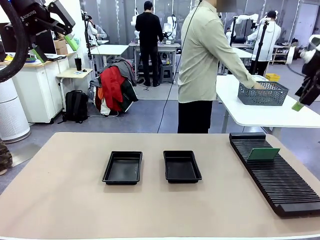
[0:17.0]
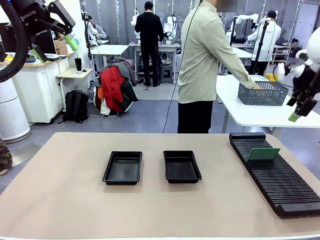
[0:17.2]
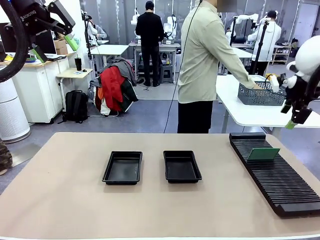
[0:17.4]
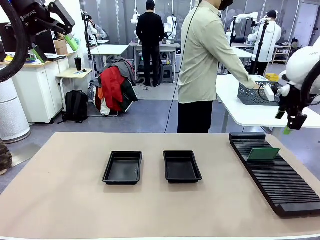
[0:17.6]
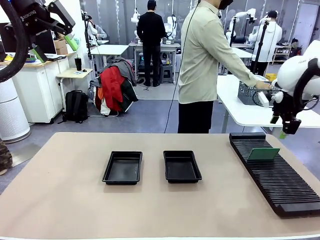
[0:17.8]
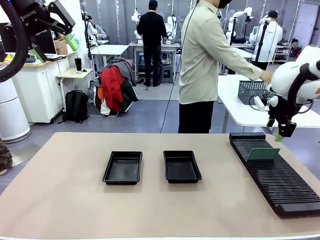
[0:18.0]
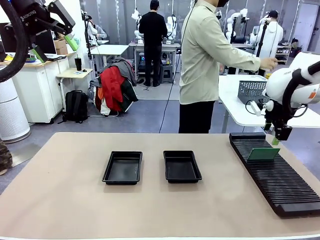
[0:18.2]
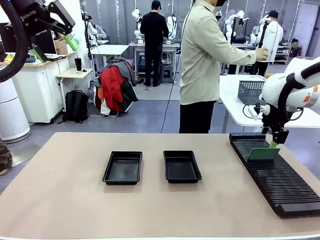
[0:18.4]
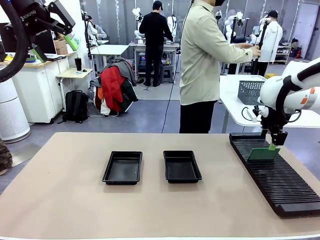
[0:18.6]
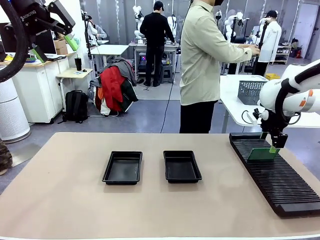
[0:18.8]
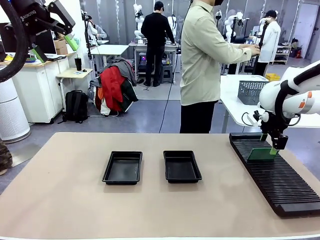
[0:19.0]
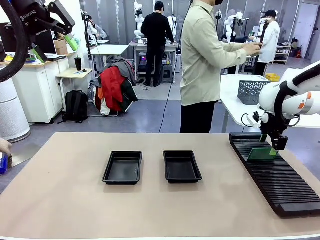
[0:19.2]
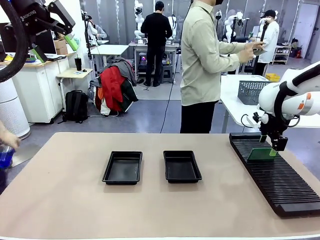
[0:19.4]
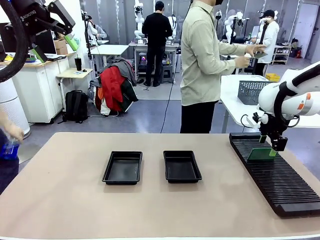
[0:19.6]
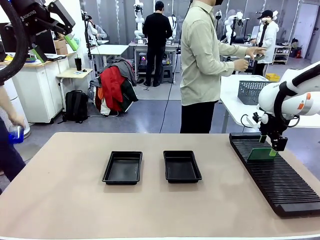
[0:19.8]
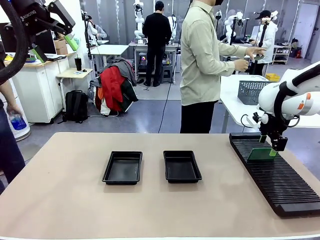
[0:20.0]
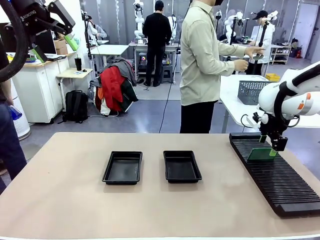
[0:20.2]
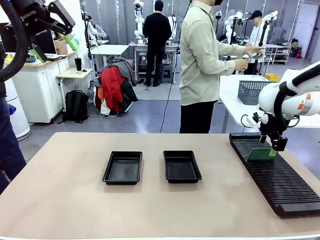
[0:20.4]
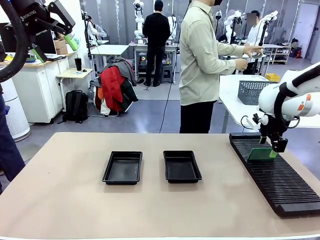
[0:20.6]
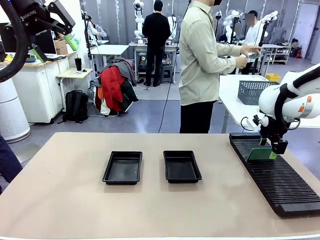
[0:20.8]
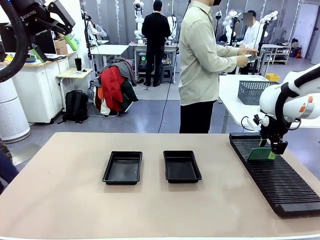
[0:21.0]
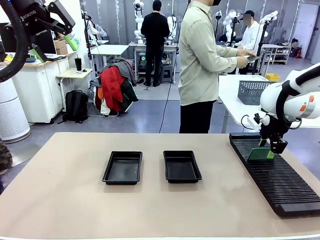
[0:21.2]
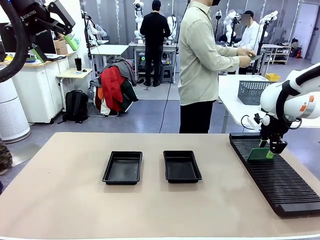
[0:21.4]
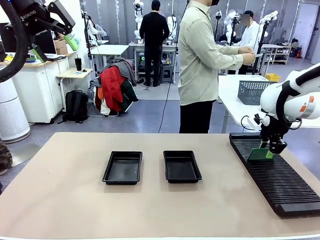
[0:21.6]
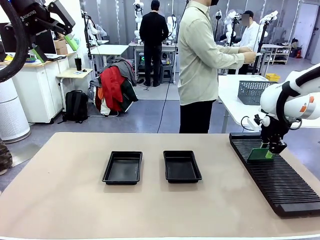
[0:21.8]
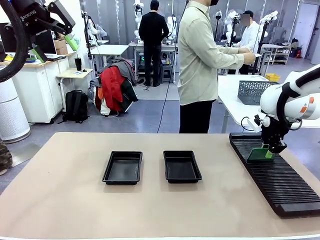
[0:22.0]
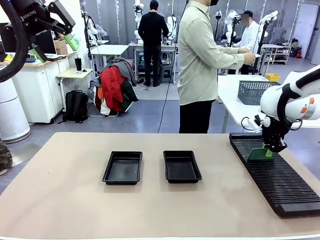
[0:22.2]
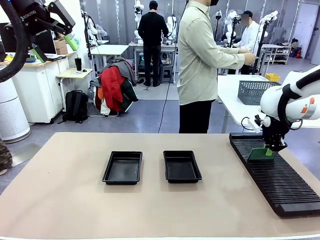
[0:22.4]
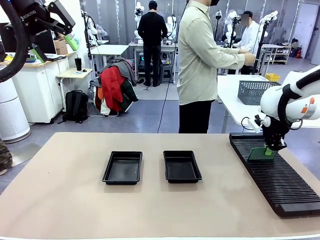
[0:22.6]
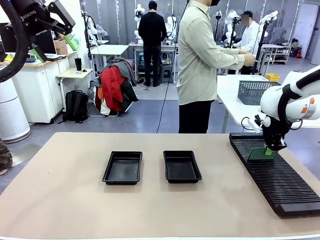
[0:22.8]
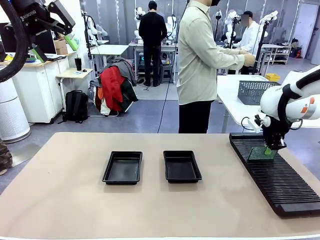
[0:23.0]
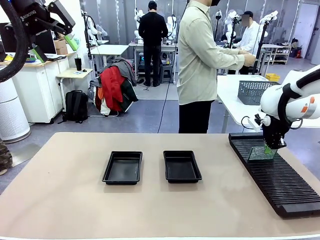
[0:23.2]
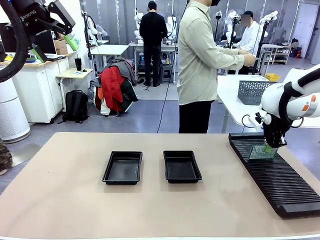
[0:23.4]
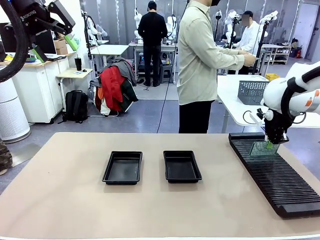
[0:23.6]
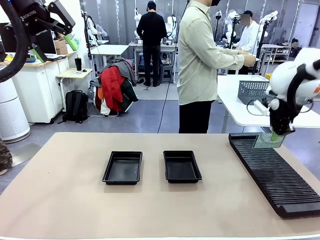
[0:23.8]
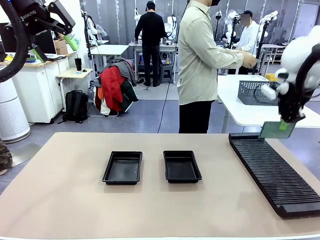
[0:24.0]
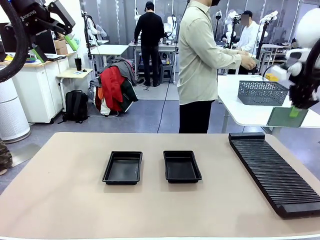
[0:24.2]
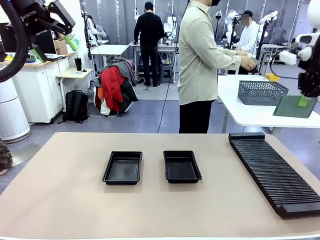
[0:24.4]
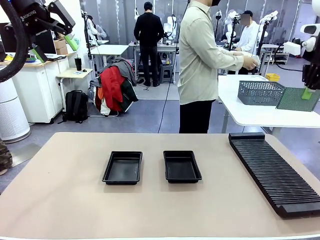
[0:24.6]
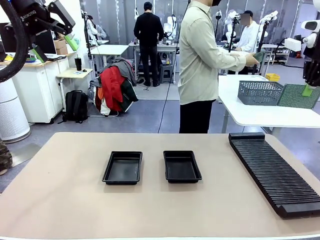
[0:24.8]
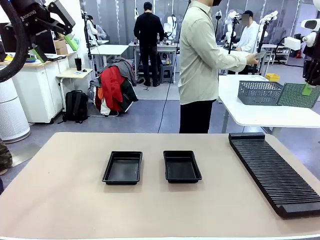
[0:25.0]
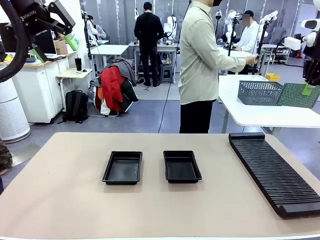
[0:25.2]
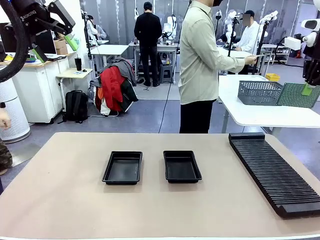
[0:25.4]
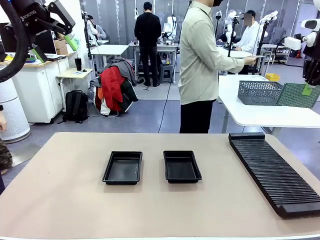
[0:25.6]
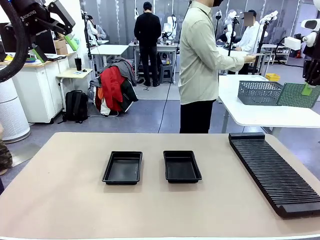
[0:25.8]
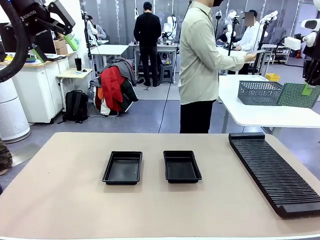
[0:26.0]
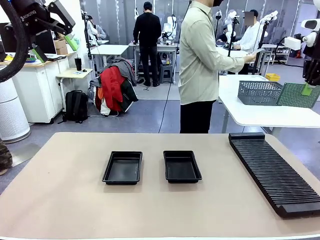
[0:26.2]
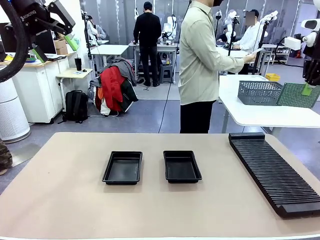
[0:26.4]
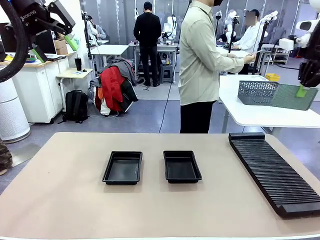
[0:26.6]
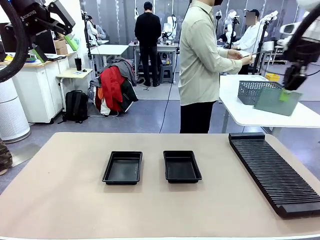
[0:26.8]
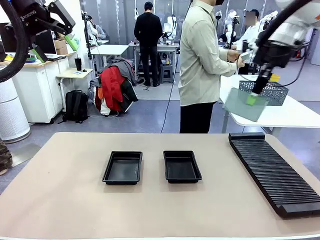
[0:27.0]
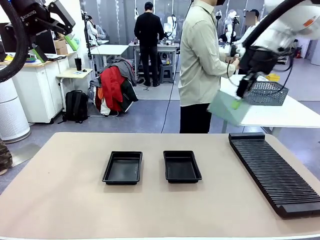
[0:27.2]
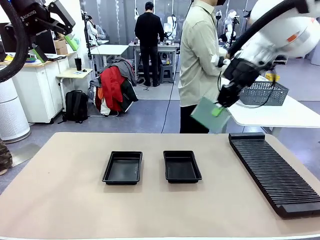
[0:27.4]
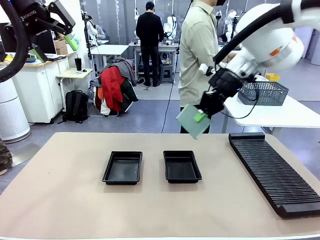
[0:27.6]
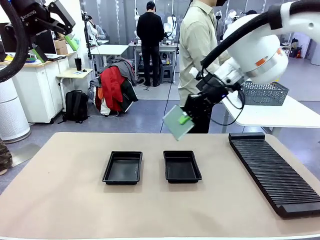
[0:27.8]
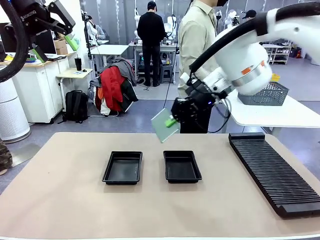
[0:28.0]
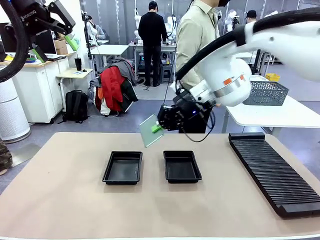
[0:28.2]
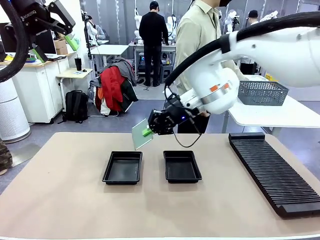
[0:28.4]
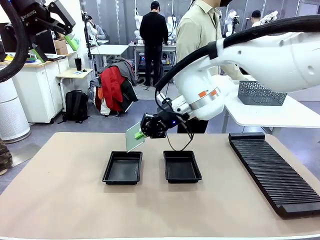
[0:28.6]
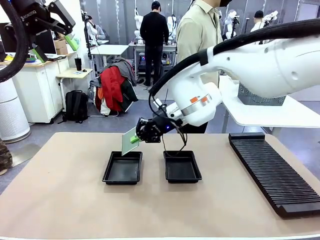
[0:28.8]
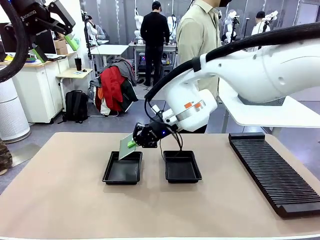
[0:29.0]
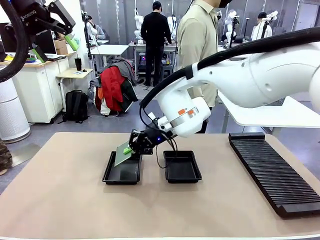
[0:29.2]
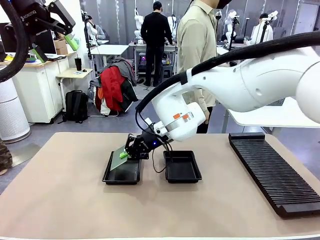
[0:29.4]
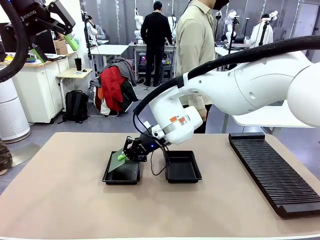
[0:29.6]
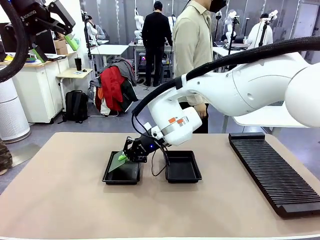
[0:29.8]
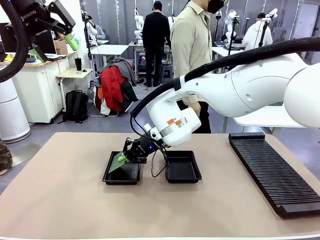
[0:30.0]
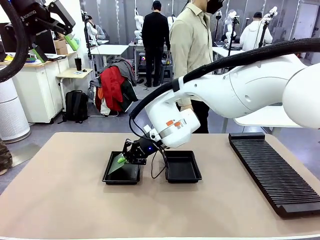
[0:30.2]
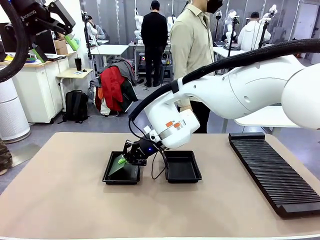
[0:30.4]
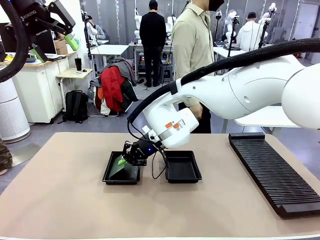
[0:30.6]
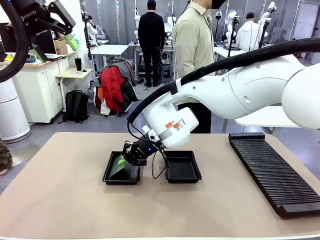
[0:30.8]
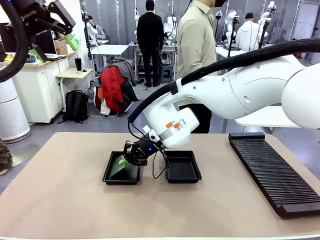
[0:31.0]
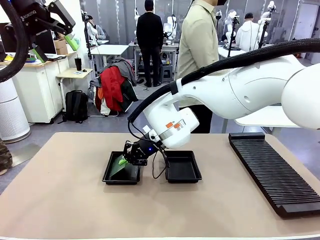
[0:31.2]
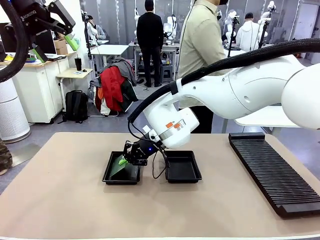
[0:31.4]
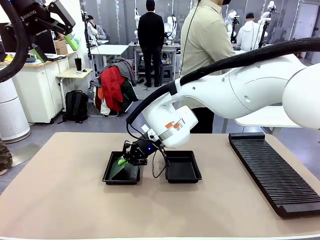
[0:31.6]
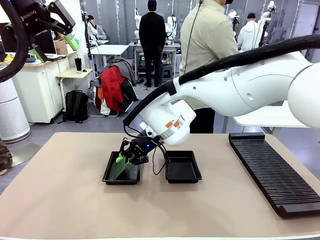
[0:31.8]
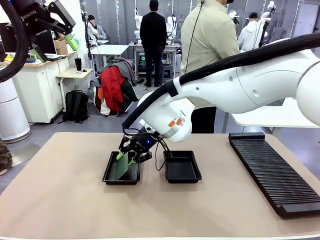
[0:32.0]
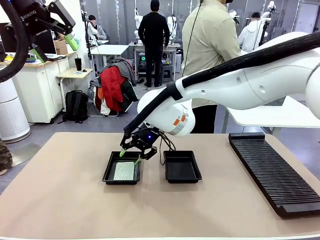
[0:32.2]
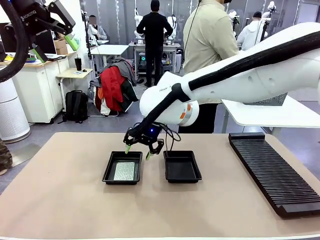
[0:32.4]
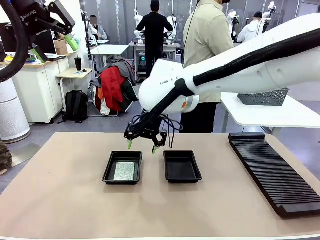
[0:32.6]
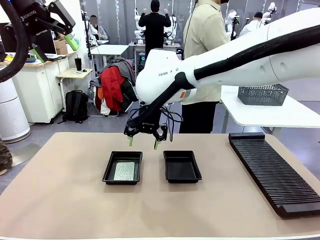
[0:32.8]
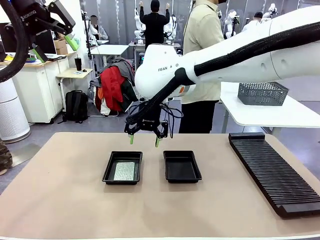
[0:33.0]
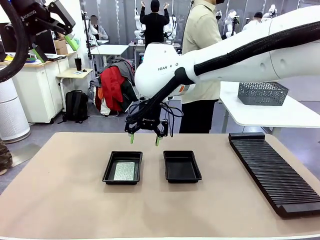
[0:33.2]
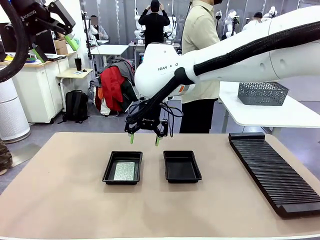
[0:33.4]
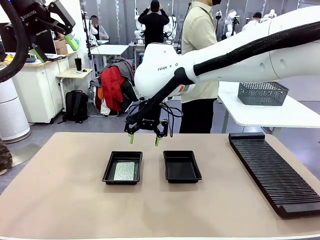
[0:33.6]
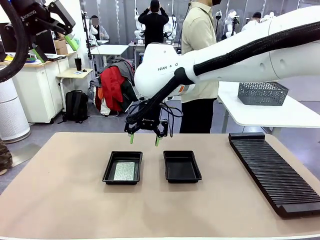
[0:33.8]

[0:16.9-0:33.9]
Task: Inspect and transfer BCBs to ESD trays.
Robot: Pick up the Blank PCB from the PCB Rack and place it in the left ESD tray.
